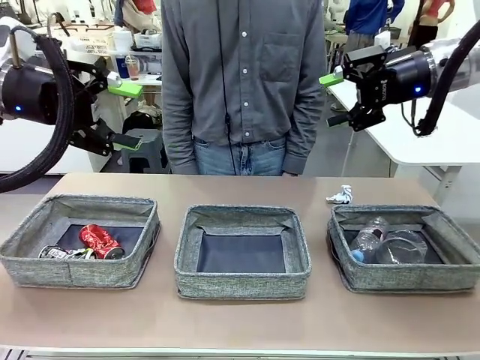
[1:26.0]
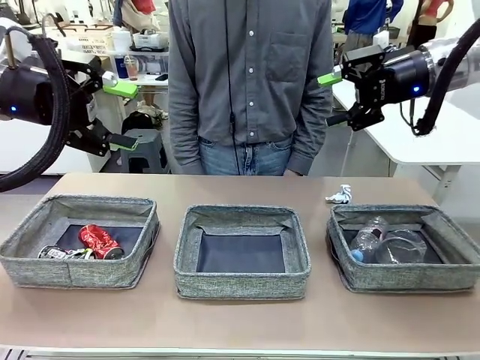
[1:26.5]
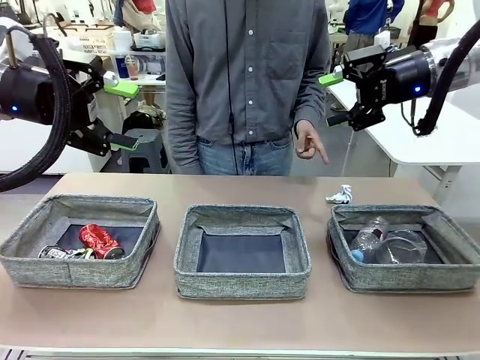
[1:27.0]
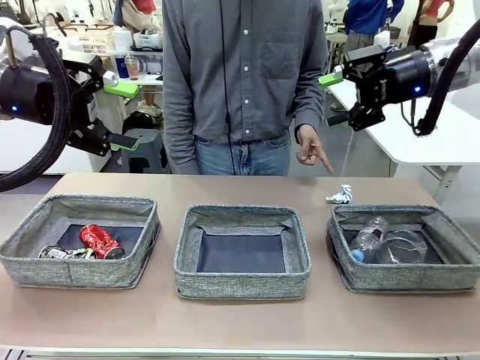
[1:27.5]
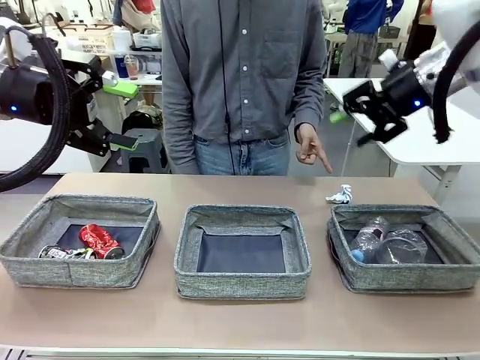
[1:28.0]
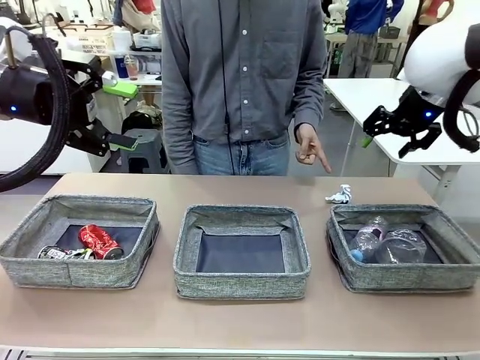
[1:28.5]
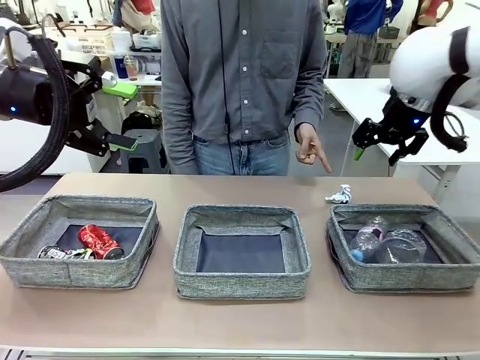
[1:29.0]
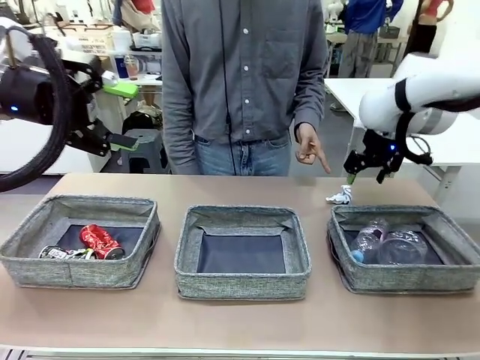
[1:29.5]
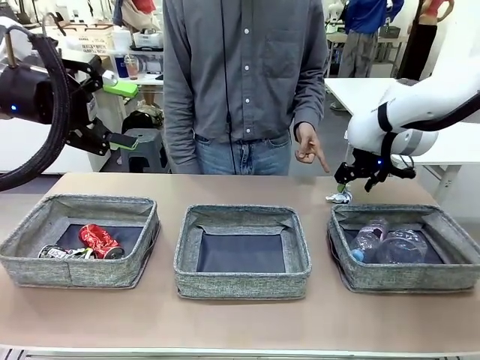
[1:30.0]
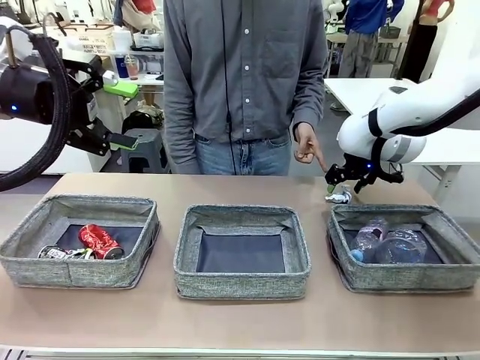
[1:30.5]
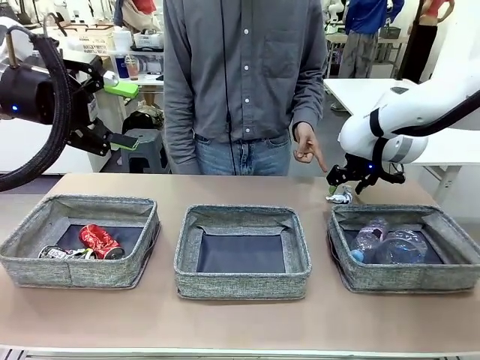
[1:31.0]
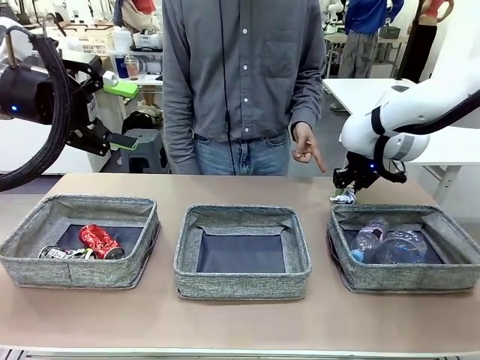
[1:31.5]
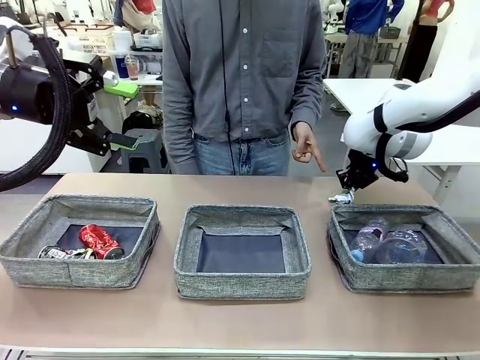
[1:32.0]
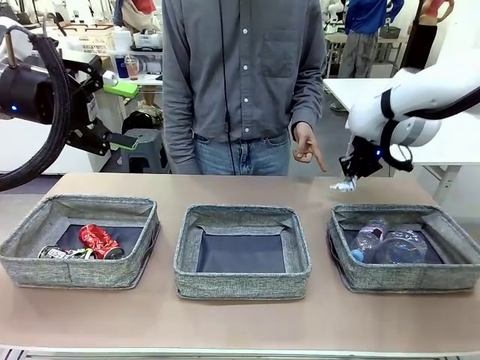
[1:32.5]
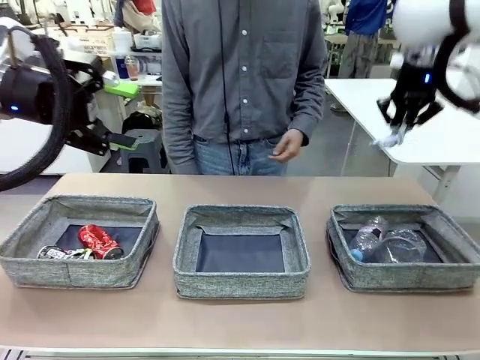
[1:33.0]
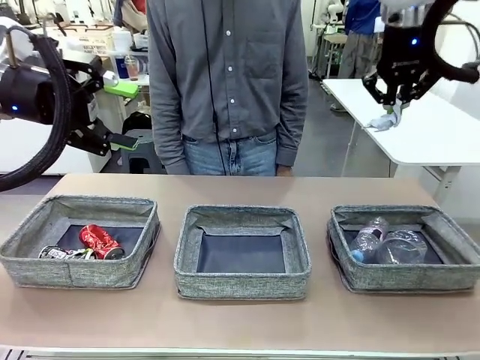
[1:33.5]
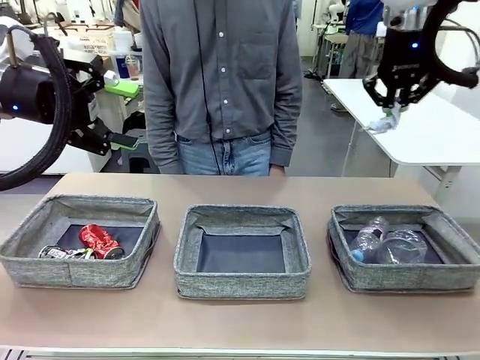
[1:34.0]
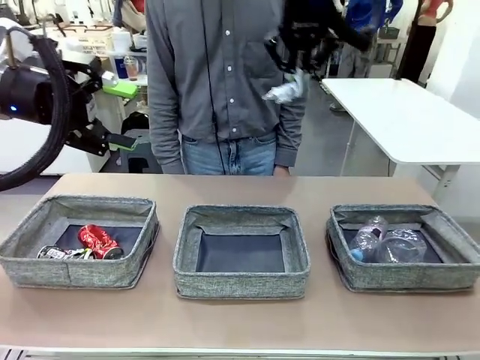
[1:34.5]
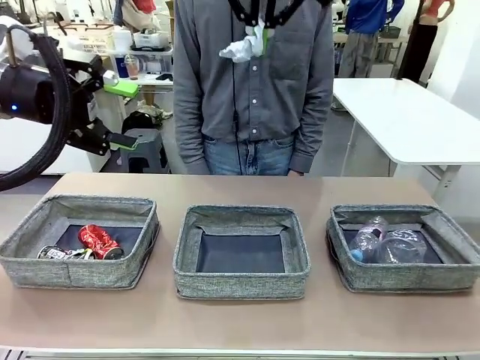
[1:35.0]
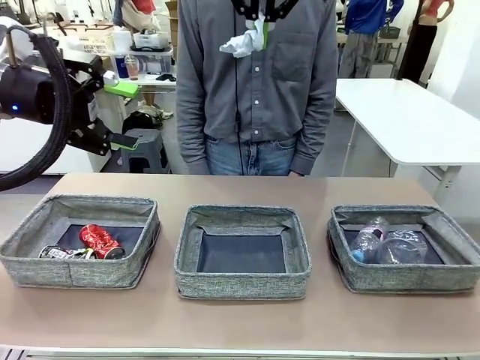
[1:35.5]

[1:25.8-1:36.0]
Task: Sort the waste into the appropriate baskets.
Robot: Pick up the waste item pointed out by the person.
Person: Points to one piece of trash on the table.

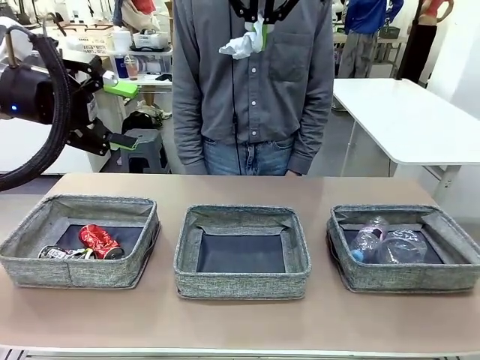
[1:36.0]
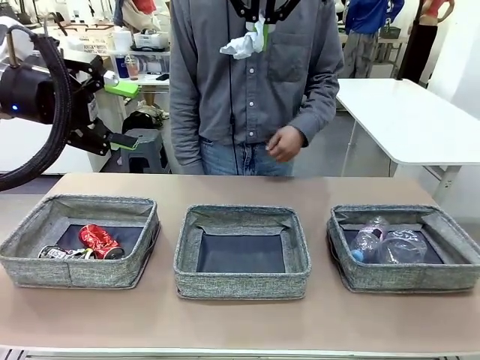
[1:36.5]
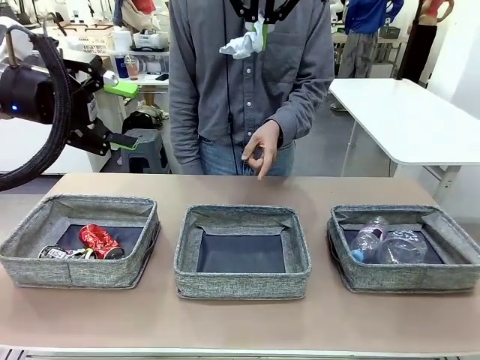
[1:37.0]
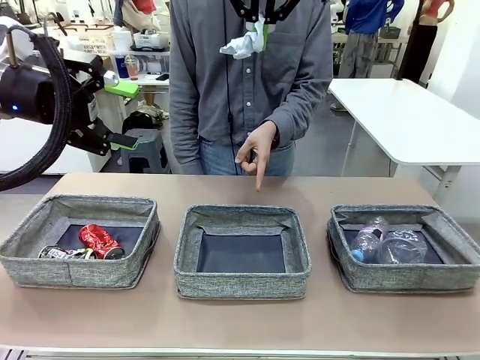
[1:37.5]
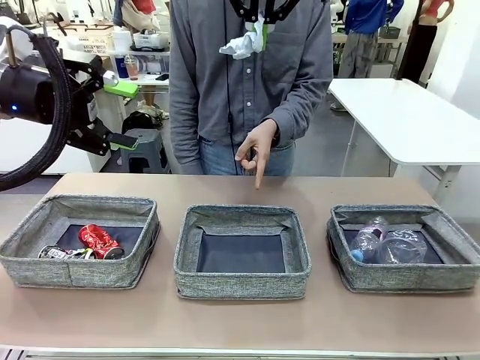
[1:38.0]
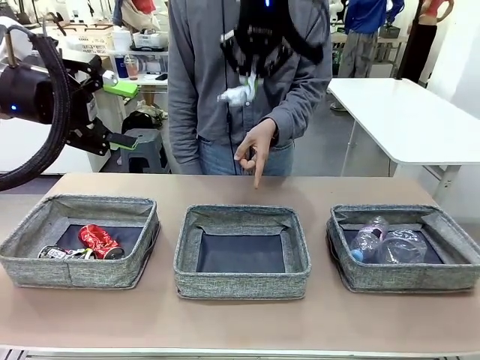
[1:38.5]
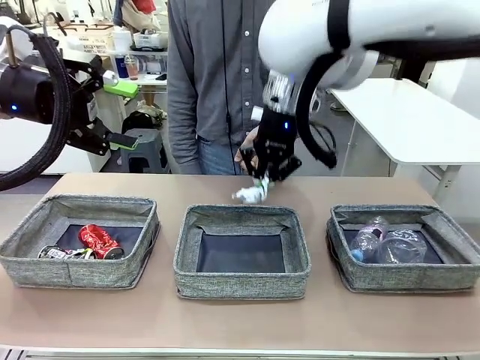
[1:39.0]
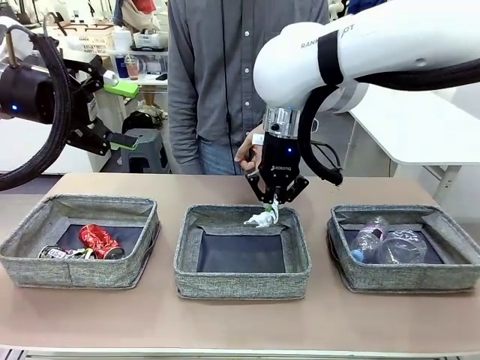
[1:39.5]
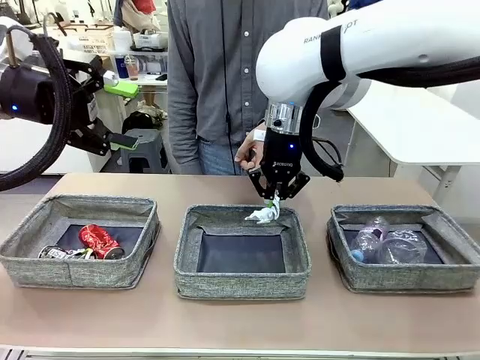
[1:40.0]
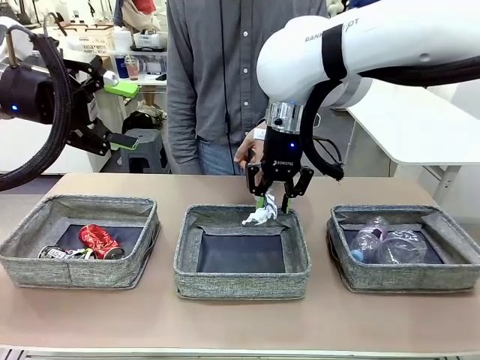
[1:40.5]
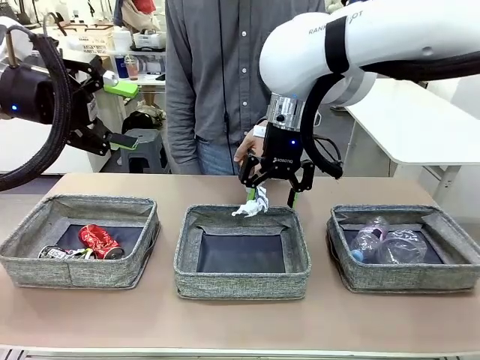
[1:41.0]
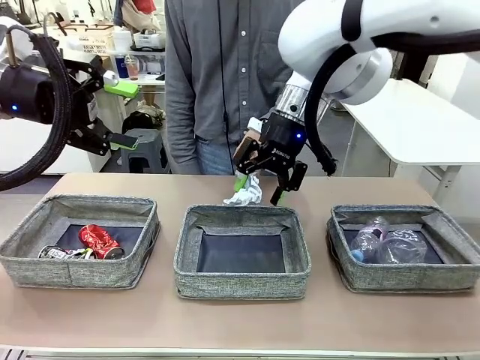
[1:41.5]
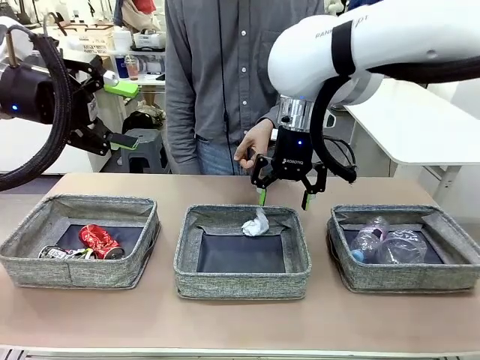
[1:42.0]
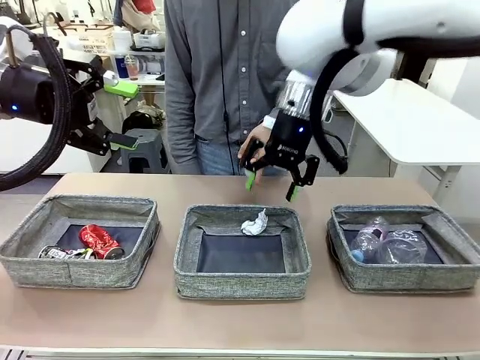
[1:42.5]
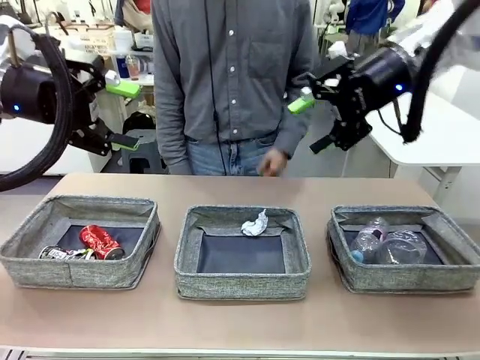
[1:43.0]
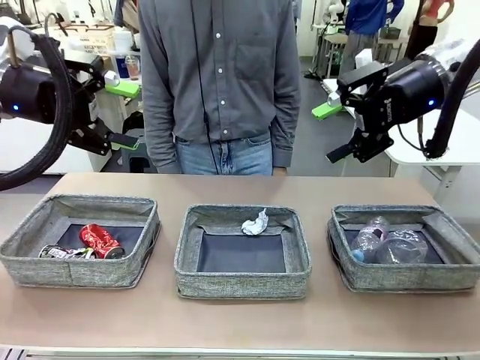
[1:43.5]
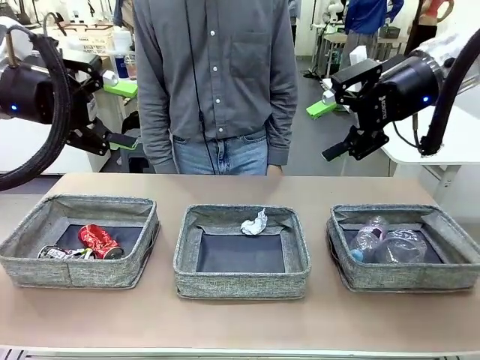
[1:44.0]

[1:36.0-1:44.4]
Robot: Place the picked waste into the Fabric basket indicated by the person.
Person: Instructs the robot to place the picked-up trash into the appropriate organizing basket.

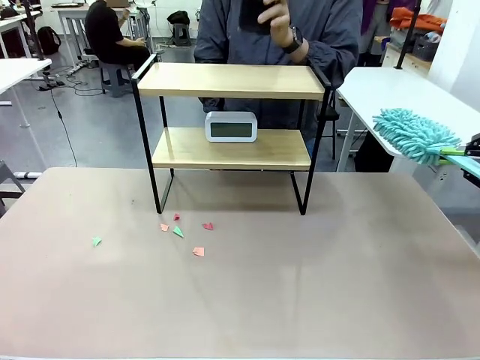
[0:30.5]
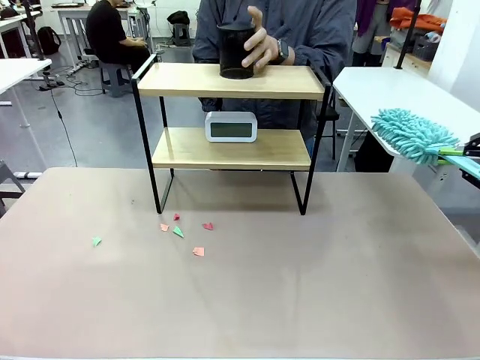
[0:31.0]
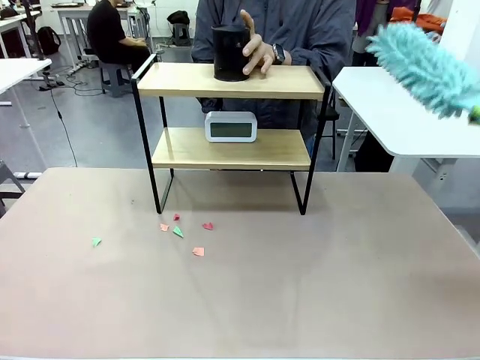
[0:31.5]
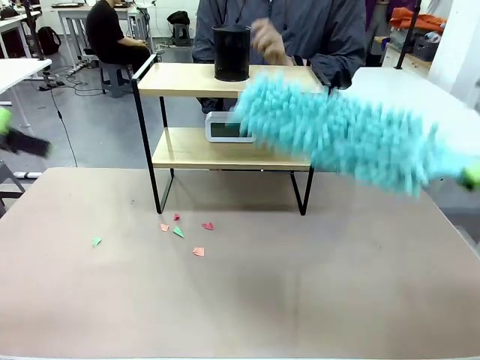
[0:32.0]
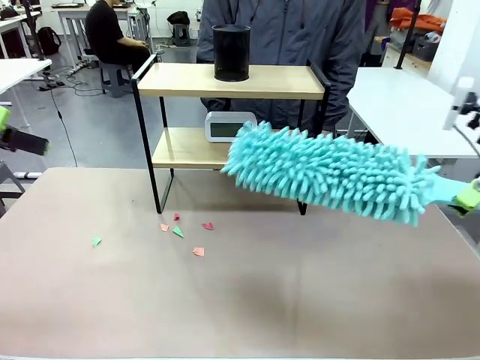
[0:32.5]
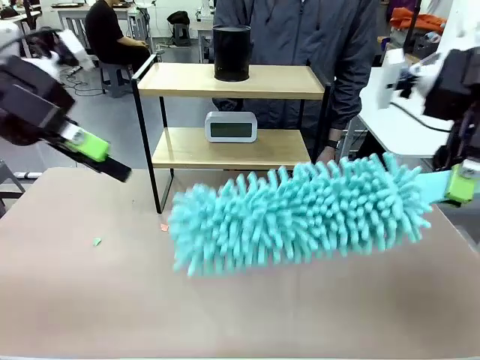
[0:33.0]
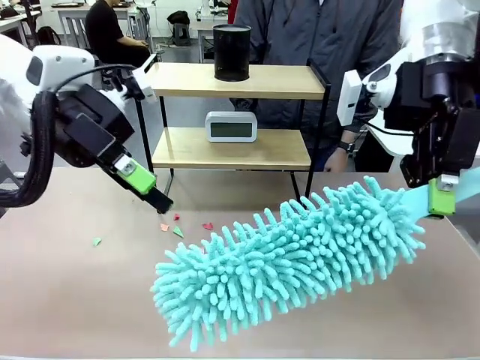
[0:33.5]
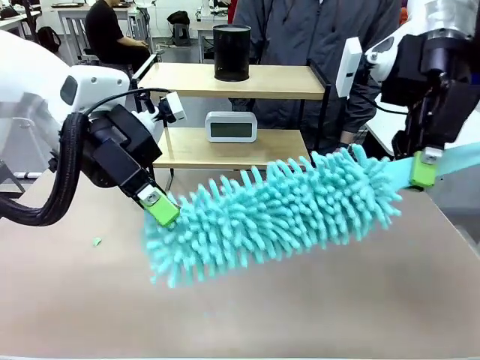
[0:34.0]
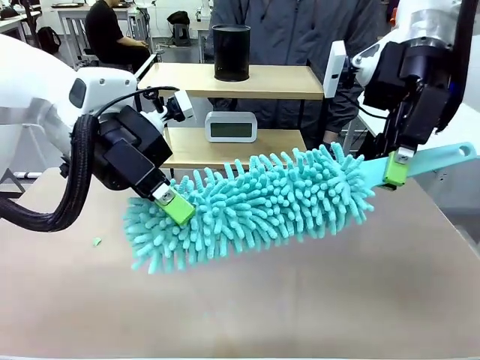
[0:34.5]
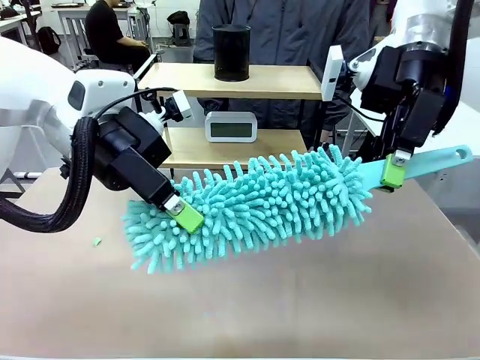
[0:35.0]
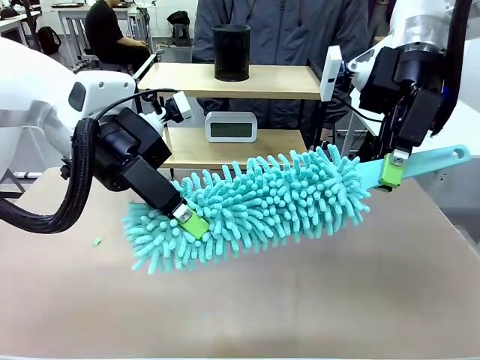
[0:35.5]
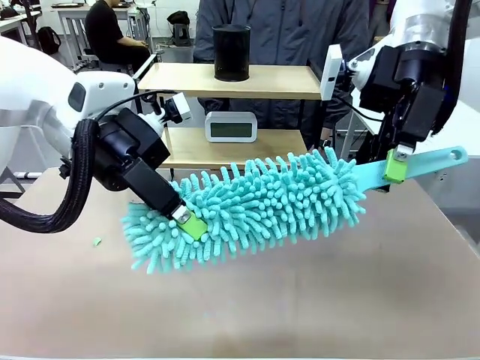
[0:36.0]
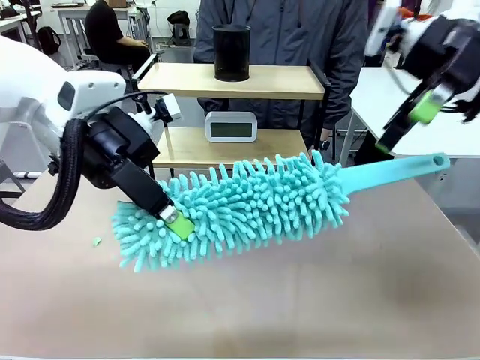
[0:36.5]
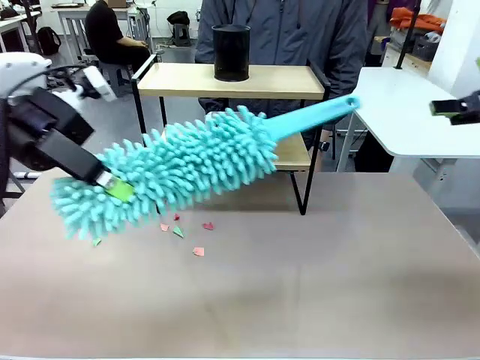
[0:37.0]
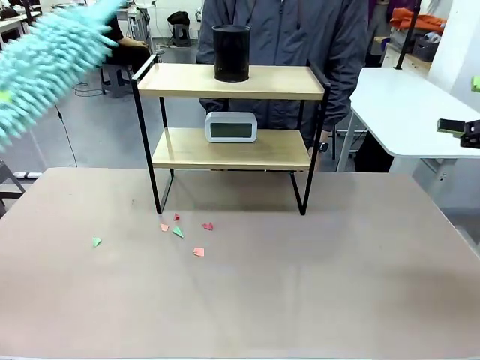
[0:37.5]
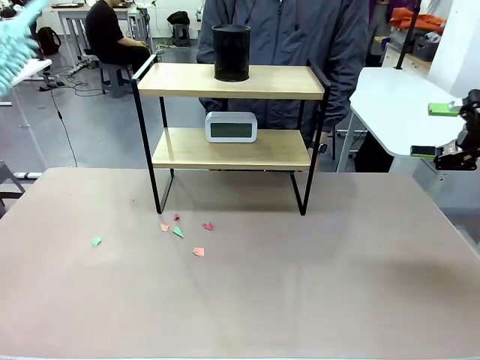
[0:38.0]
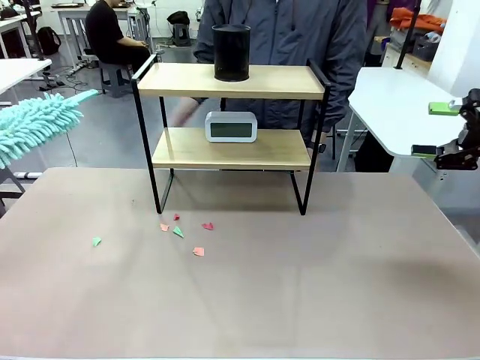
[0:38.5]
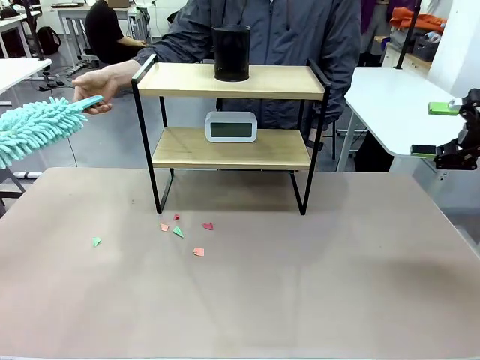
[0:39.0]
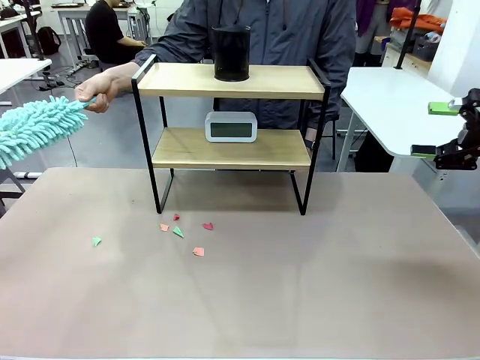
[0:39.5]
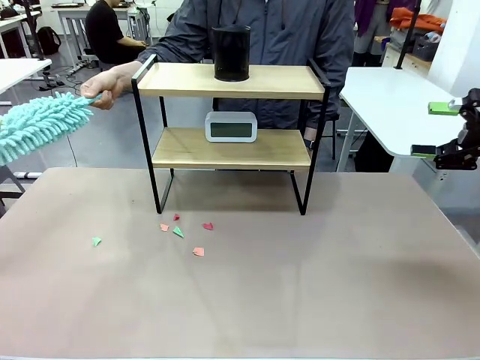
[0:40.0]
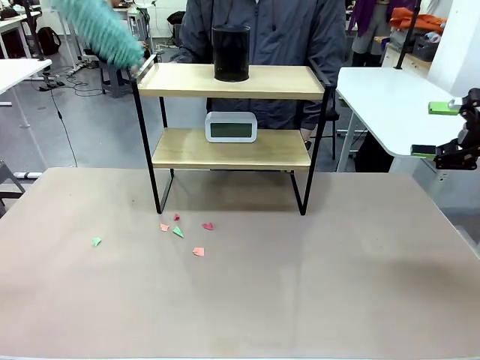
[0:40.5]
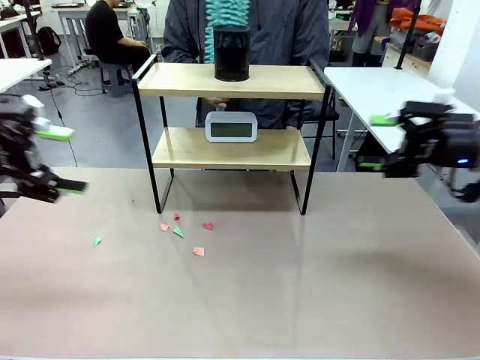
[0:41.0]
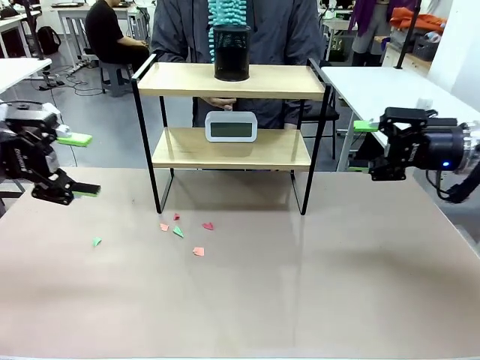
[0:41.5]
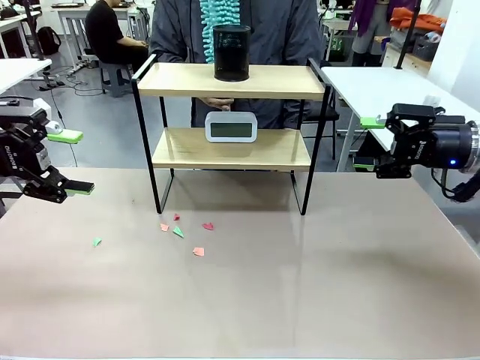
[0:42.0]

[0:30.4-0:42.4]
Task: Clean the shelf.
Robot: Hand the Duster back to the human.
Person: Receive the Duster from the robot.
